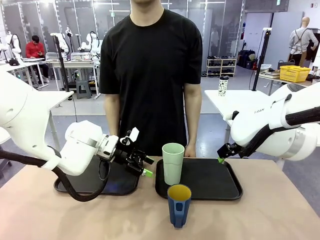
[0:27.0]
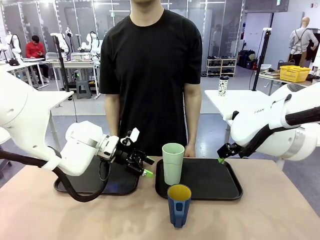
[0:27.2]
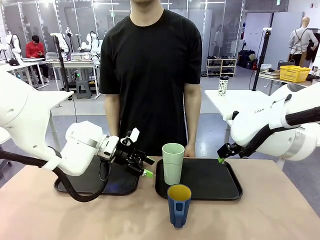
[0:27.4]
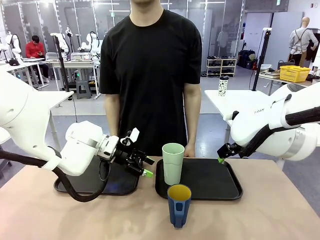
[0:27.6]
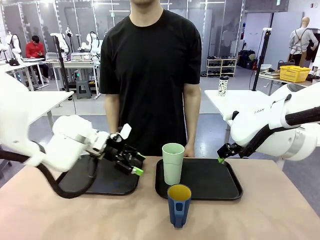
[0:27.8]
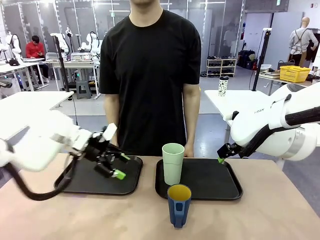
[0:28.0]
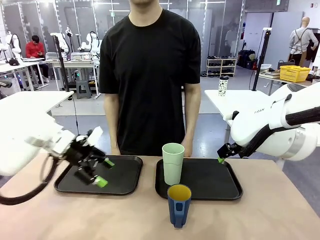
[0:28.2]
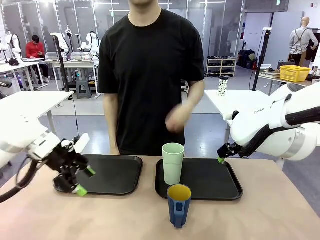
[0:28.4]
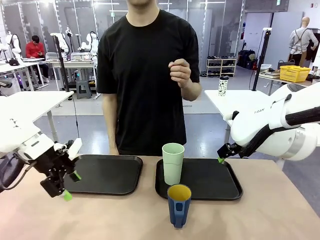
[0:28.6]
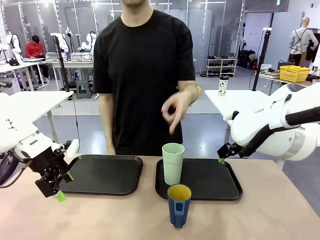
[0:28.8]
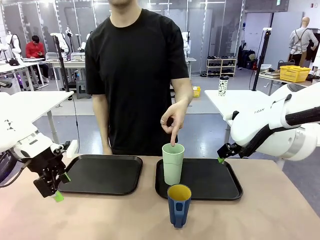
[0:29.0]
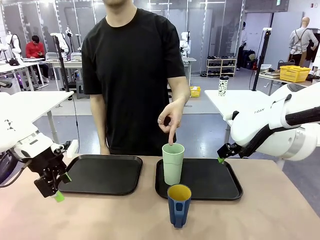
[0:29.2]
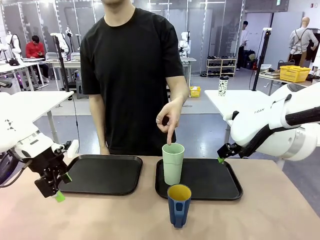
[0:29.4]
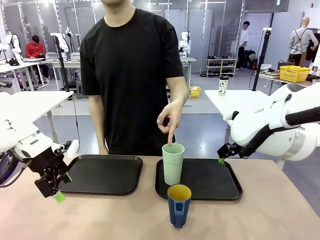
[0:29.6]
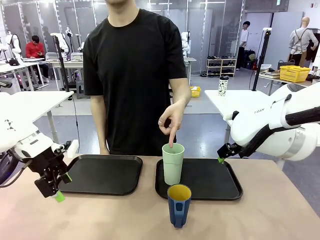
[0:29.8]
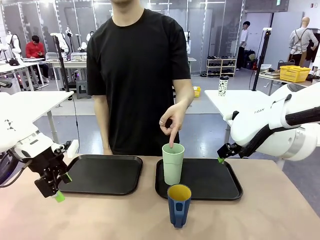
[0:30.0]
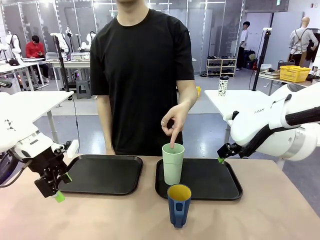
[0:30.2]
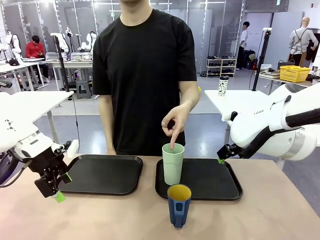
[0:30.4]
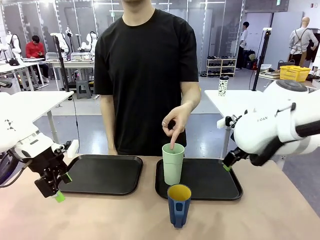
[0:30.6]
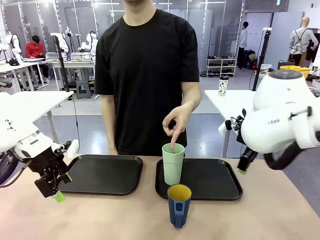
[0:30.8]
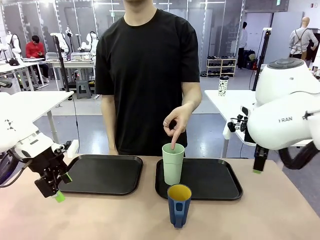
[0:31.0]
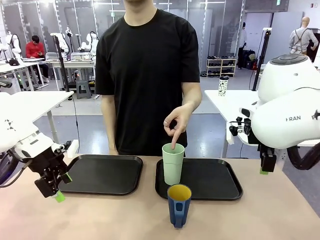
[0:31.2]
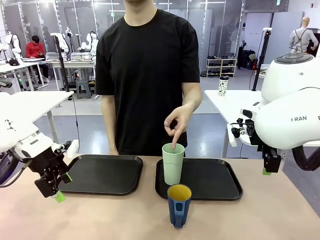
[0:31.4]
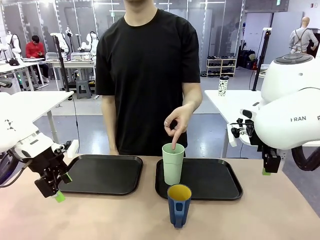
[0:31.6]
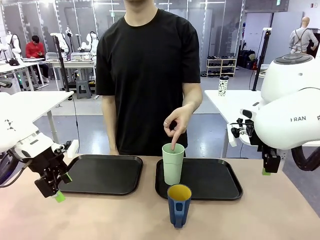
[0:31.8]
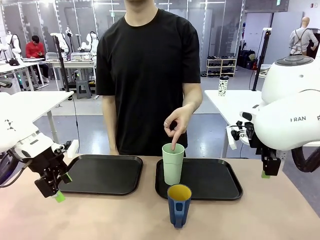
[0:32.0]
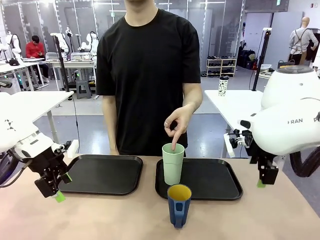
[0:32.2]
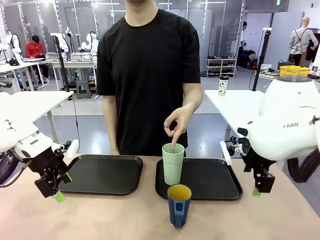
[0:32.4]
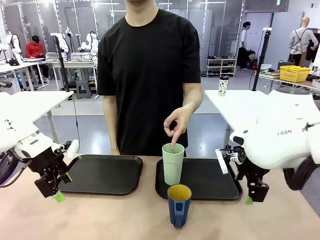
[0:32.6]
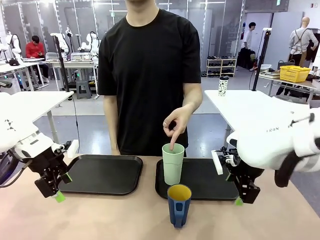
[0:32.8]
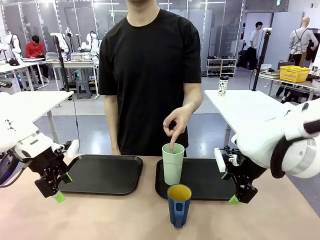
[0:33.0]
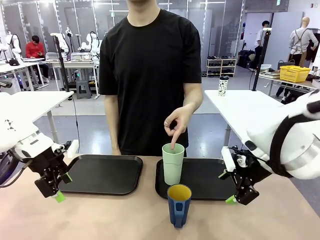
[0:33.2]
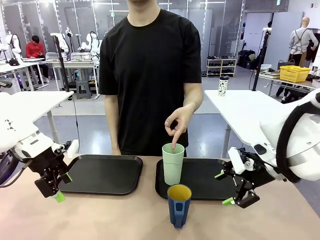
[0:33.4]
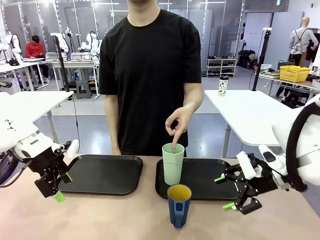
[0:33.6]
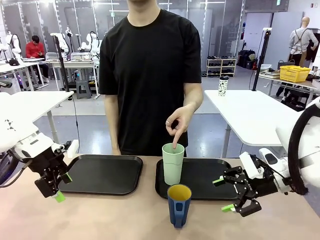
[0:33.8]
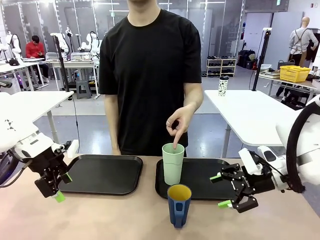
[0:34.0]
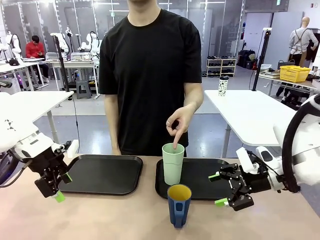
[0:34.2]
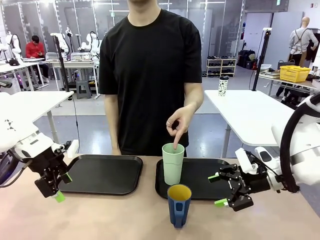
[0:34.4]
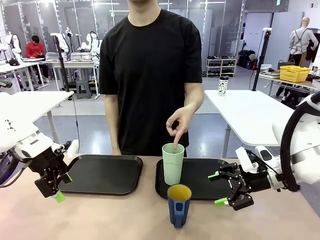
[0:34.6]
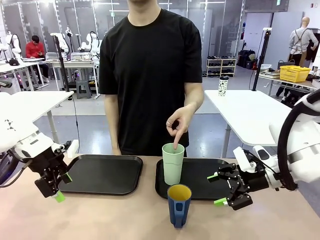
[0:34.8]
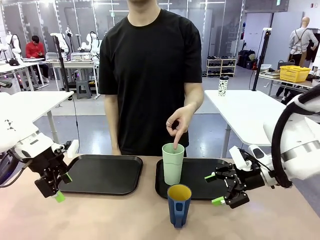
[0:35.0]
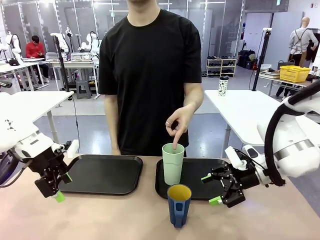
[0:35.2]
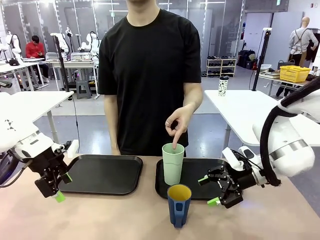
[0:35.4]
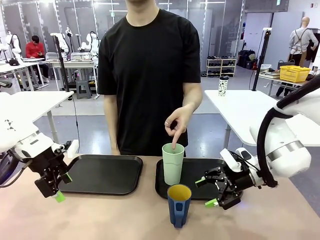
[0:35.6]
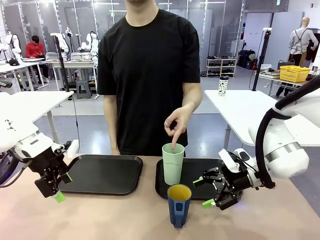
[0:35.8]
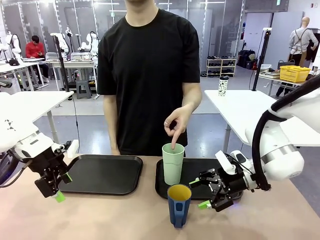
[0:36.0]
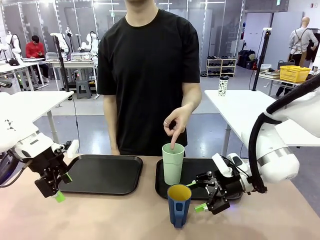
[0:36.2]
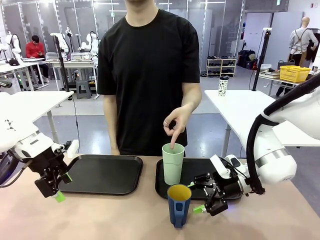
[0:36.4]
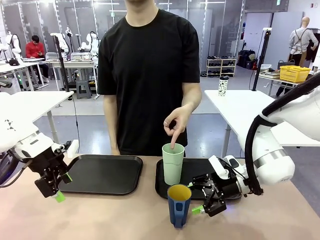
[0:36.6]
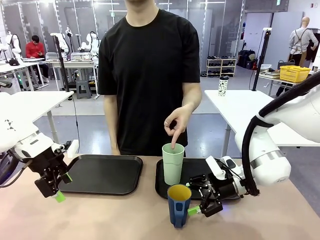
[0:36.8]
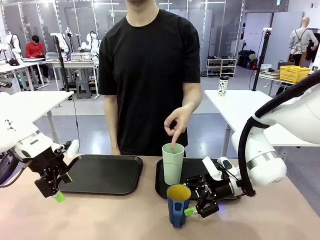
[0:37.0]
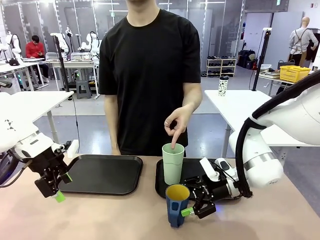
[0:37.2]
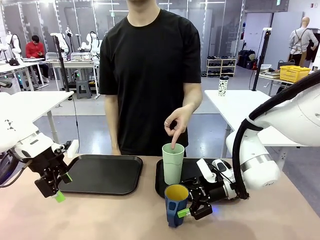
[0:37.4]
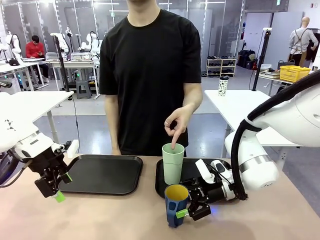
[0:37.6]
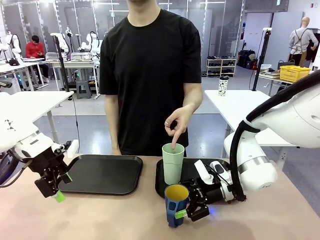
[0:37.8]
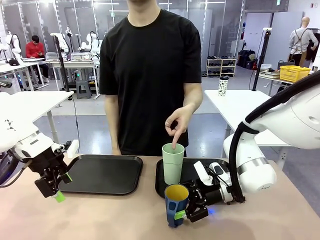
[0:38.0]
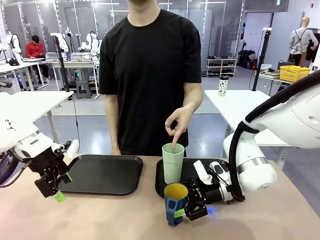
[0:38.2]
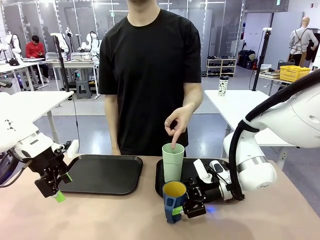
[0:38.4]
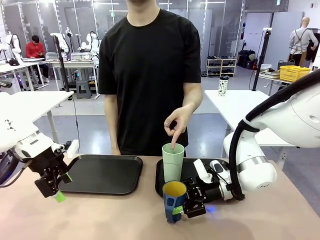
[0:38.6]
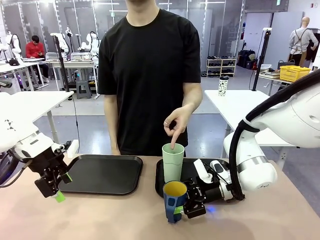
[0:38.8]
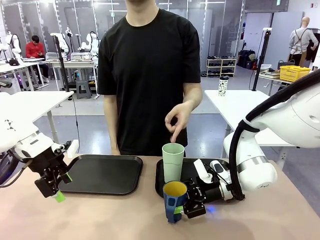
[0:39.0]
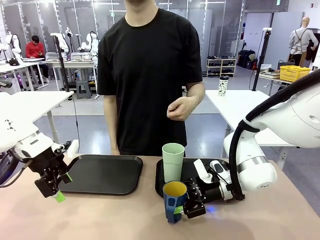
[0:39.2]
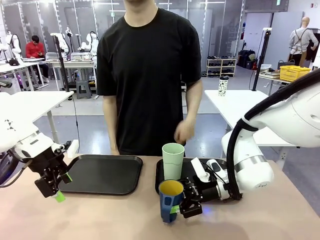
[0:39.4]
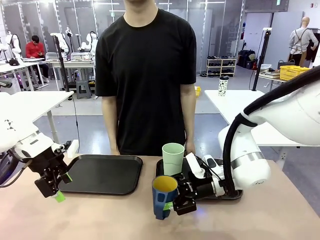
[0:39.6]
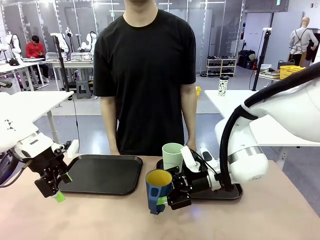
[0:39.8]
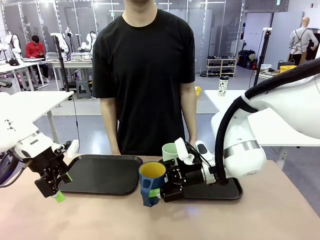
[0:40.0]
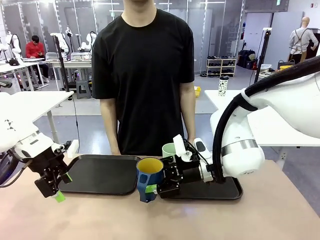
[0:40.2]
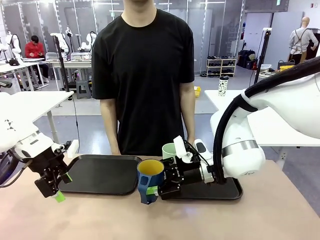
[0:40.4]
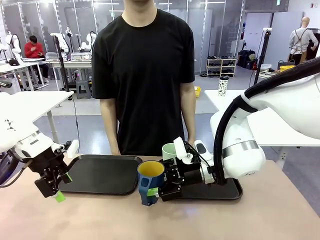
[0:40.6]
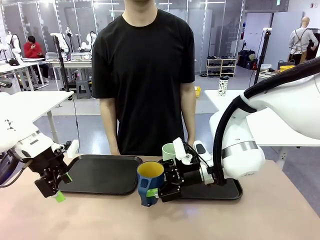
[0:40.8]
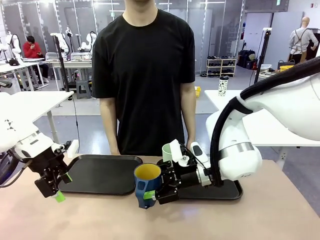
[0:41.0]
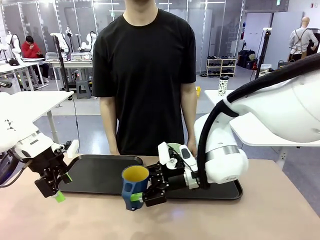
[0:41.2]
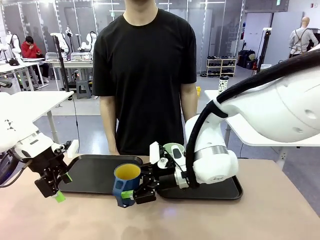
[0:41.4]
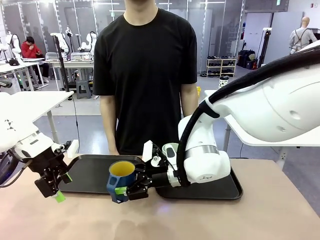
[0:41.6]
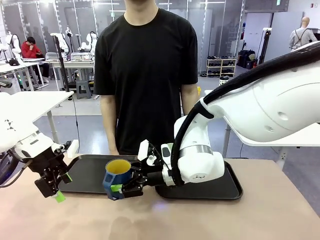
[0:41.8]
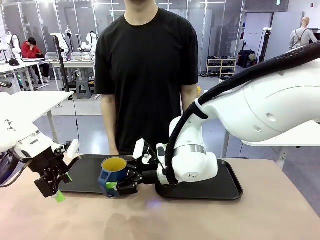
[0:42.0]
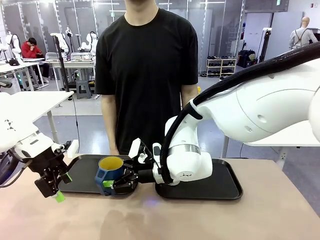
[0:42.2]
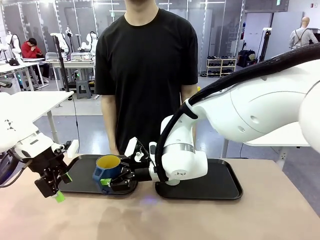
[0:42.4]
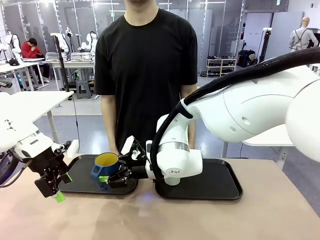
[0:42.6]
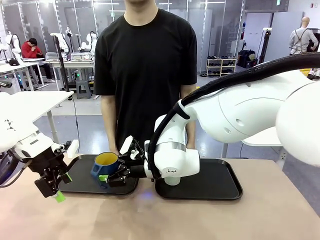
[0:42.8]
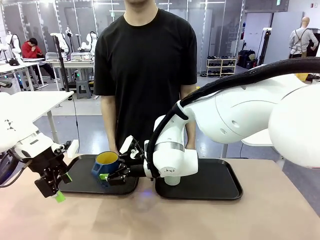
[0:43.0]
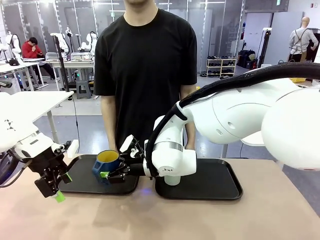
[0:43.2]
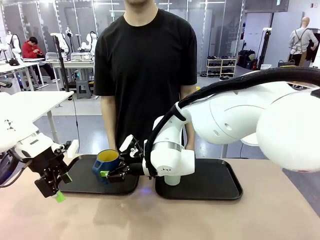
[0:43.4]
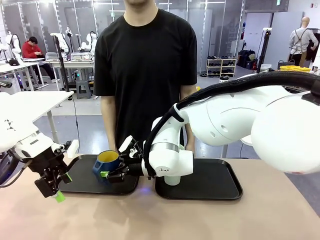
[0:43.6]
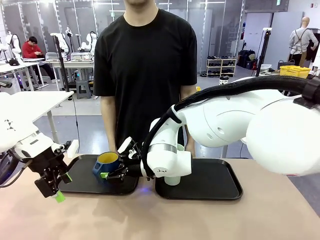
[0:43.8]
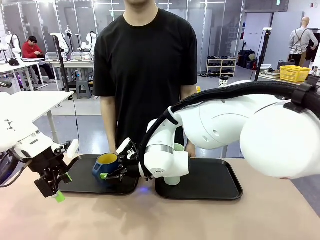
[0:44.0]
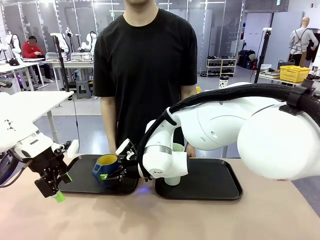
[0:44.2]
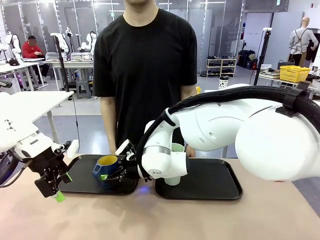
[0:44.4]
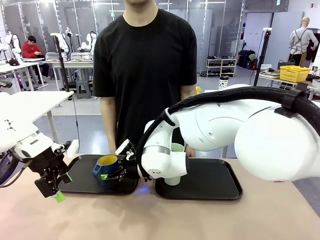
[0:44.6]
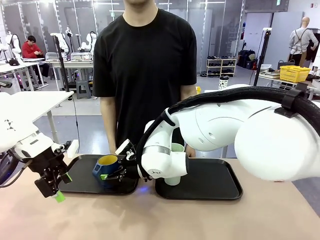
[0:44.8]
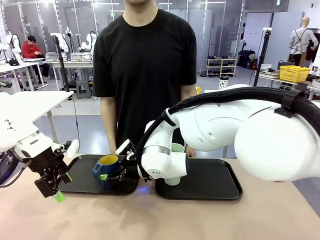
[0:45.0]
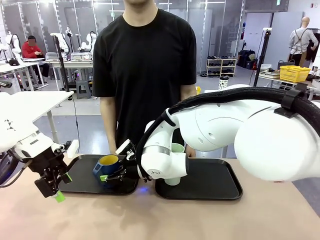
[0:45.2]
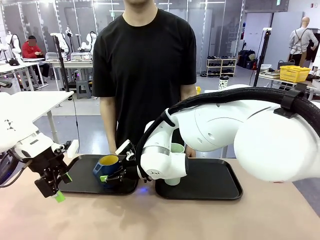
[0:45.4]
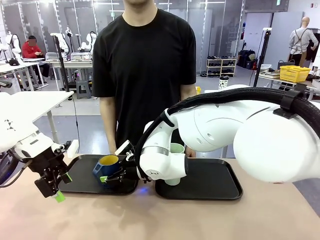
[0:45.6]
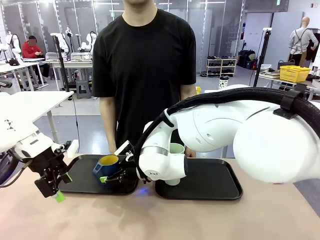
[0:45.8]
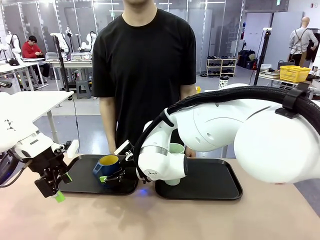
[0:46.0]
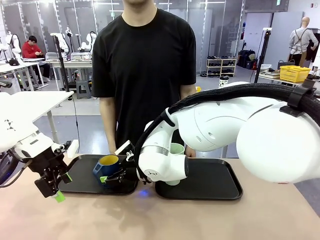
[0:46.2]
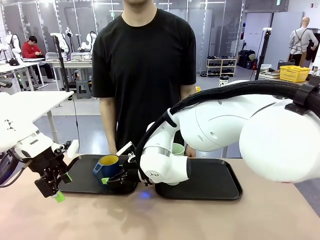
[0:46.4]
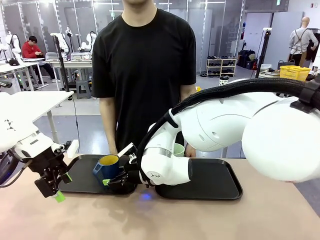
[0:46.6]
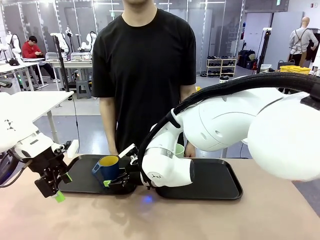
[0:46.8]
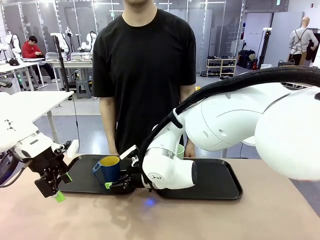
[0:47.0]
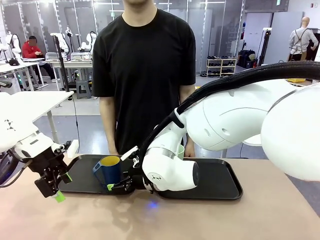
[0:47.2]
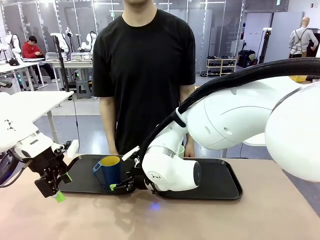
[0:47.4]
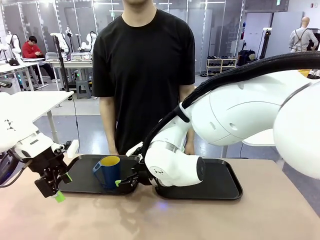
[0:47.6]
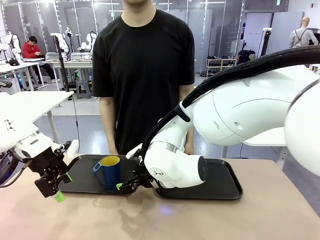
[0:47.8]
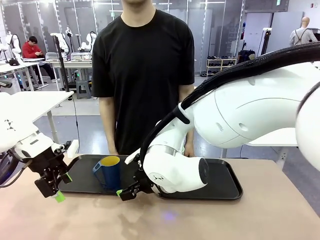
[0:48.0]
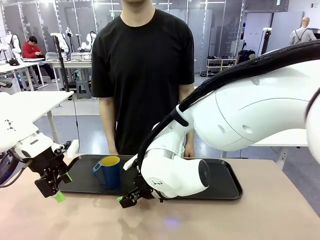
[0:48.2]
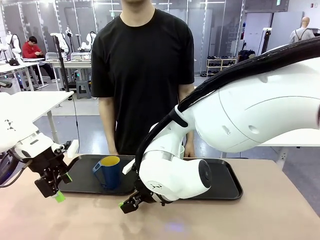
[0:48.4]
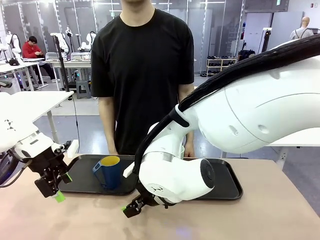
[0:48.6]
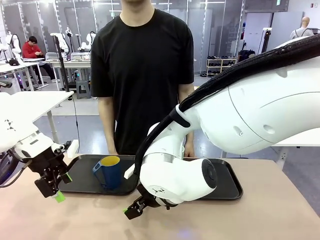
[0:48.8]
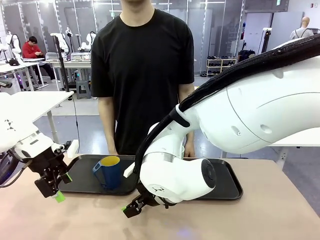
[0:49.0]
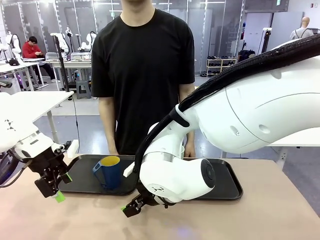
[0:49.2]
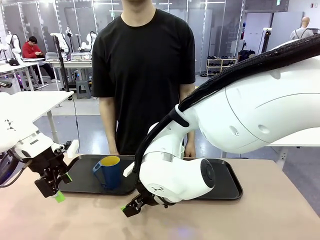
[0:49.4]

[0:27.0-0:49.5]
Task: Sort and store the cups by type.
Robot: Pick up the Handle plastic cup and place it into the empty Flat Tray.
Person: Points to the cup with a handle.
